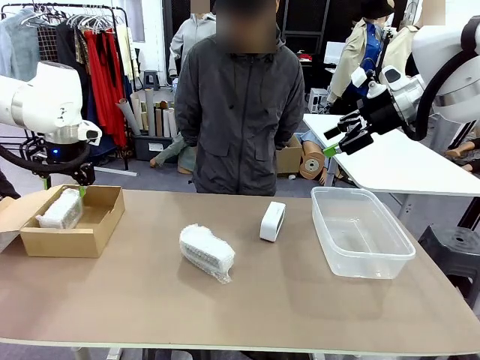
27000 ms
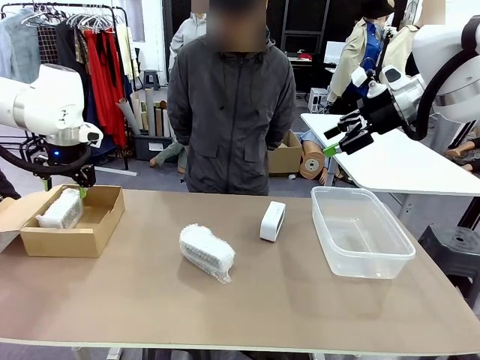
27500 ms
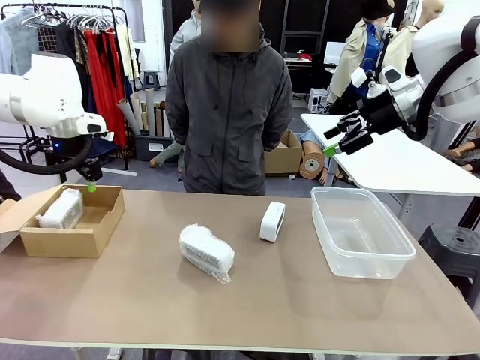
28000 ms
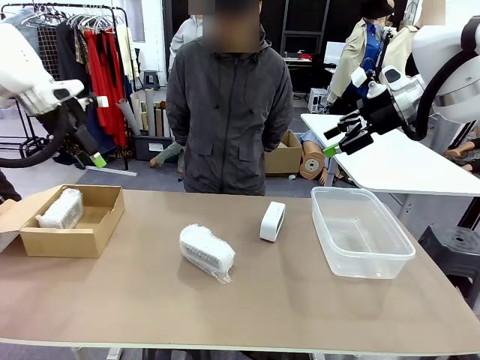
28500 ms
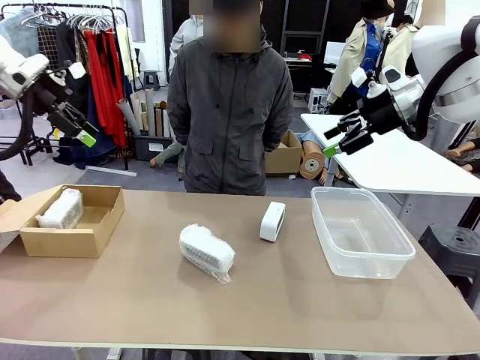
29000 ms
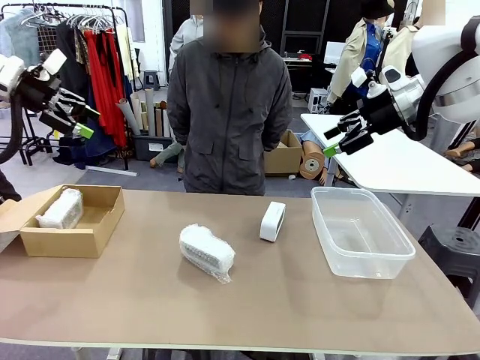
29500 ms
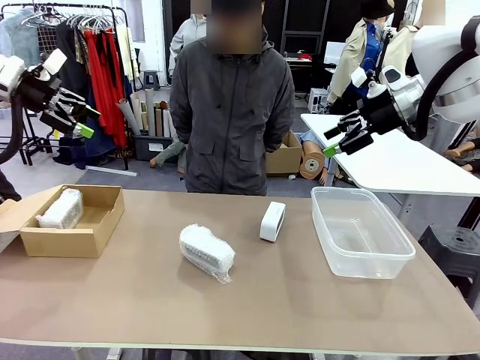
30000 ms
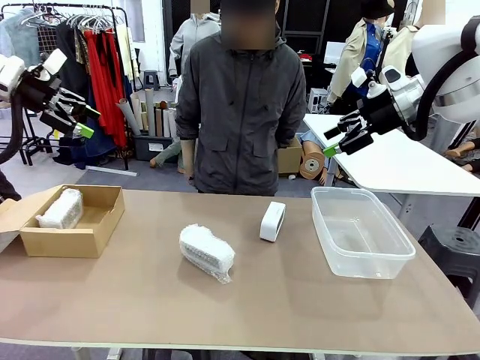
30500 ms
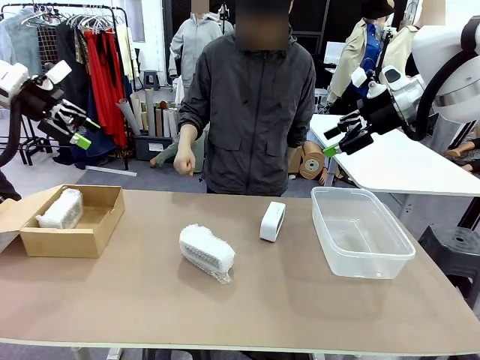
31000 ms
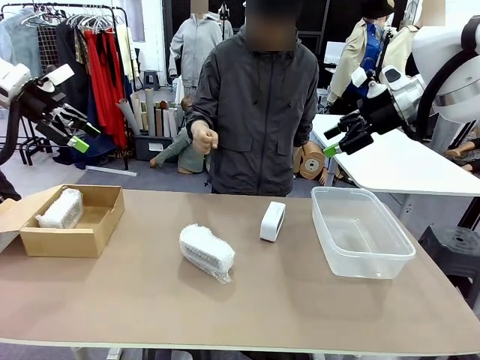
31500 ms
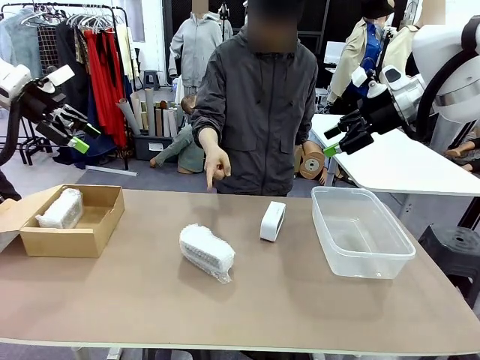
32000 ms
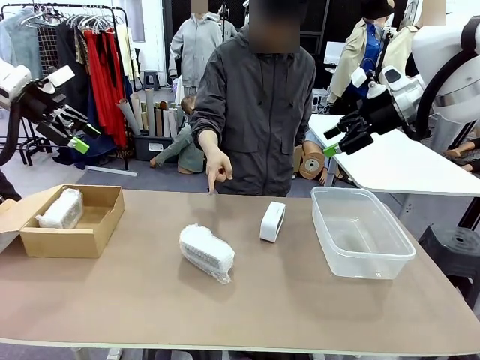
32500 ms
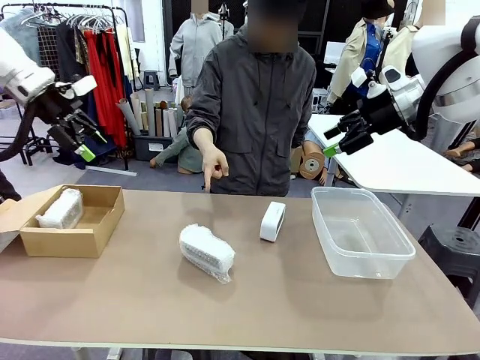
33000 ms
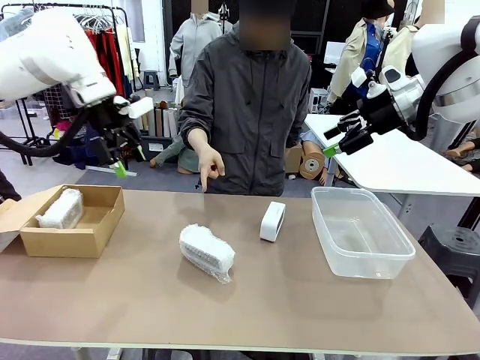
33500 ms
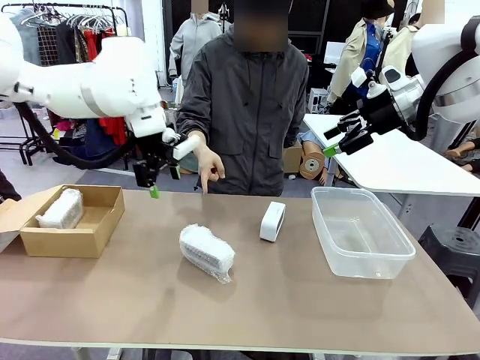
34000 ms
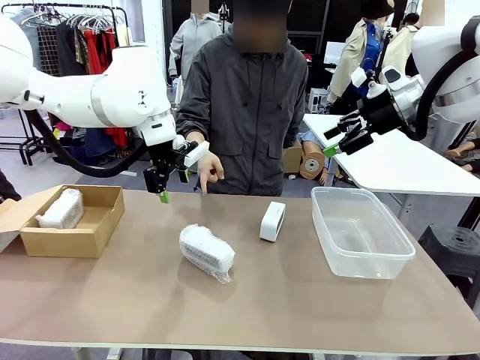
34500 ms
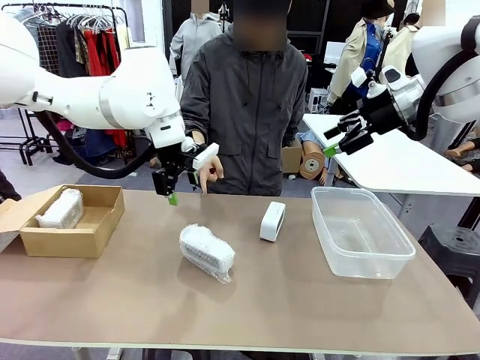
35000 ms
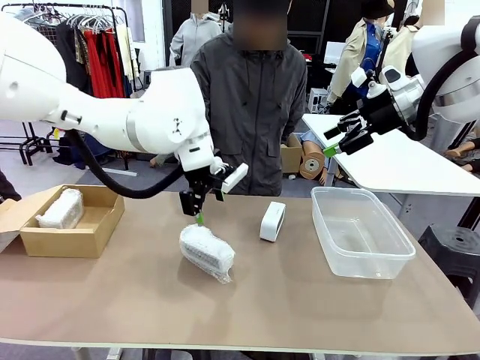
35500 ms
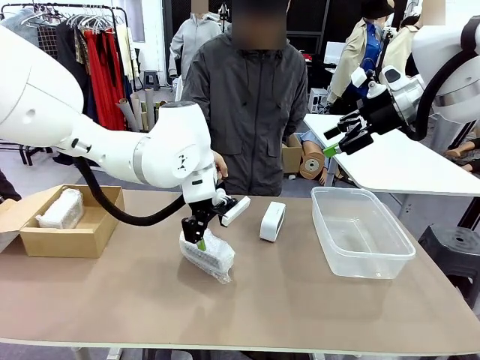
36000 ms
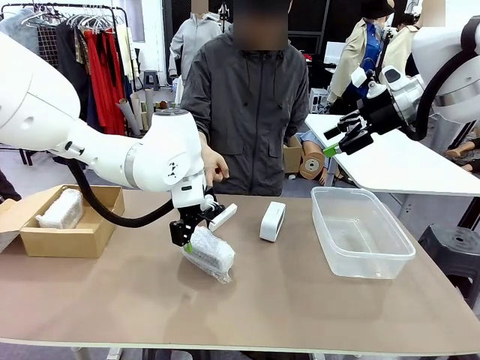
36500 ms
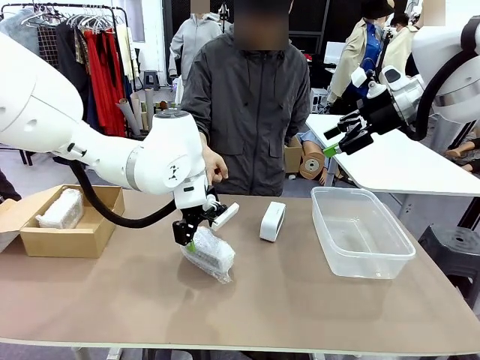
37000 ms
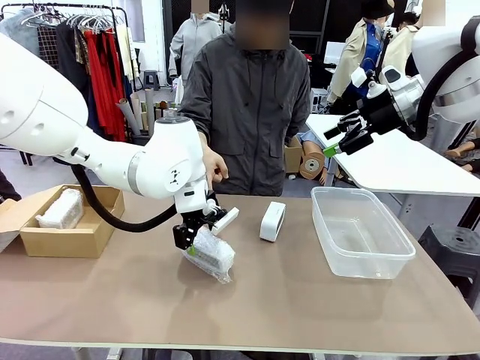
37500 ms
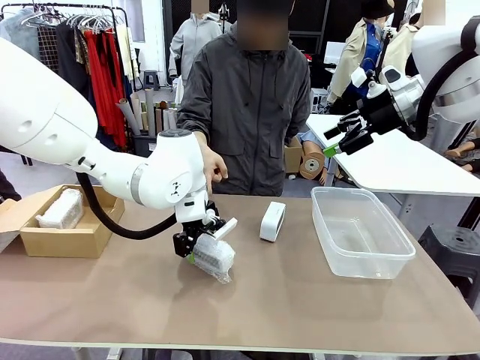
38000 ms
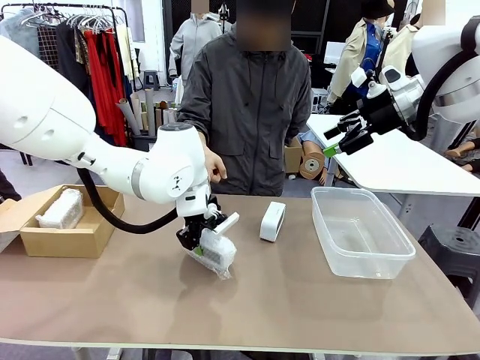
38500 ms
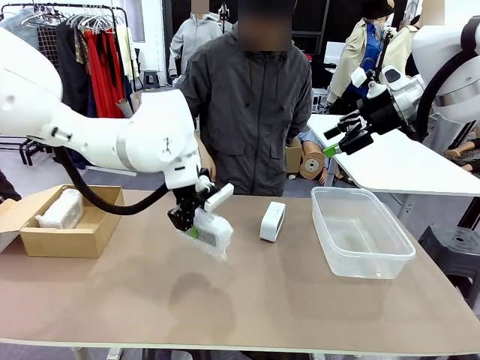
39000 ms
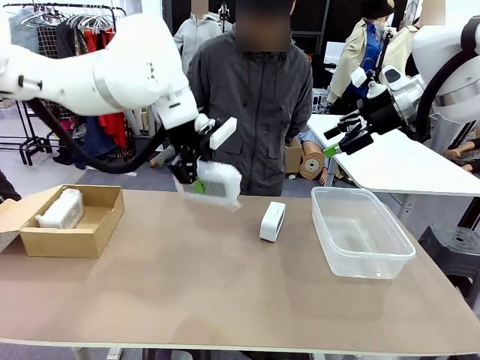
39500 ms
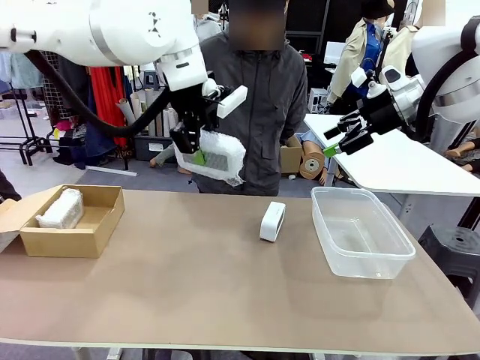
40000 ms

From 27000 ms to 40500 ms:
Task: Separate and place wrapped and unwrapped clocks.
Robot: Pick up the Digital clock indicated by the person.

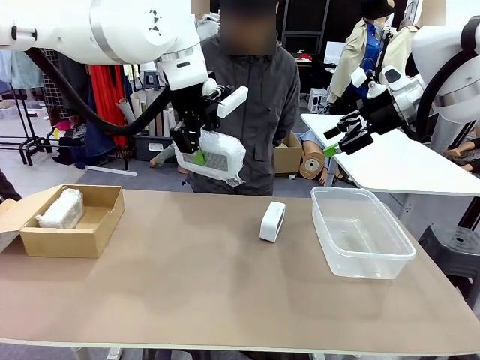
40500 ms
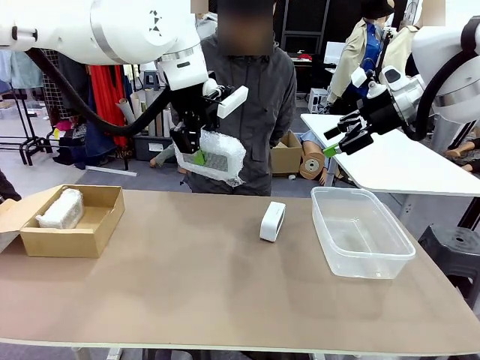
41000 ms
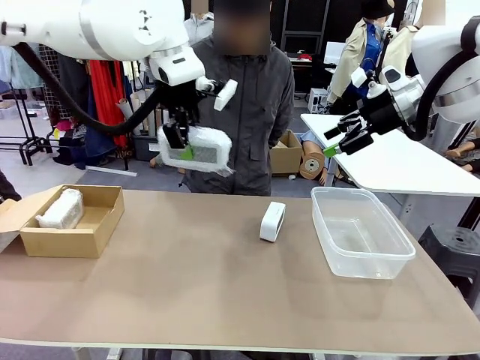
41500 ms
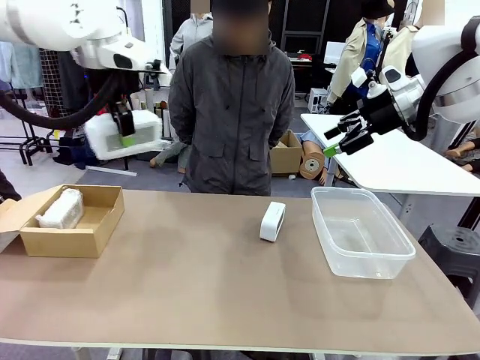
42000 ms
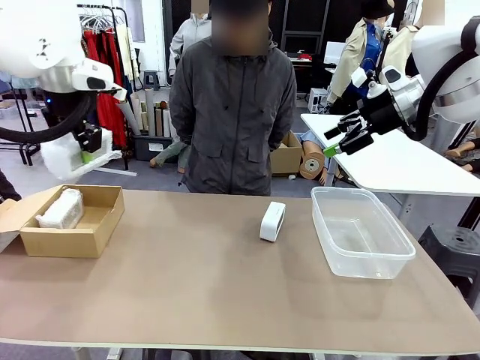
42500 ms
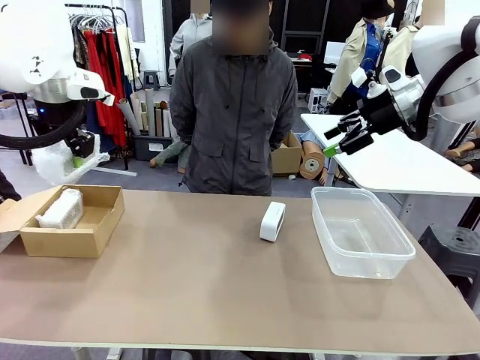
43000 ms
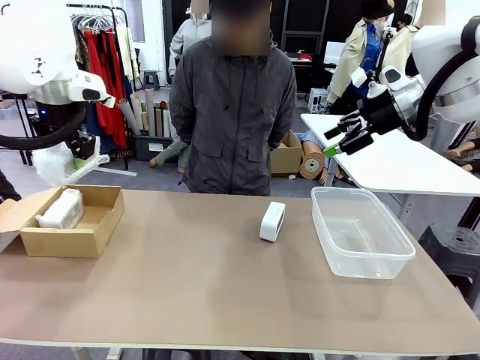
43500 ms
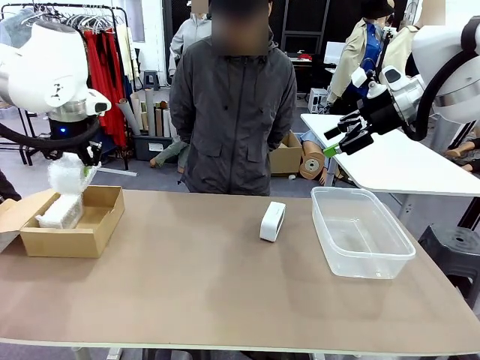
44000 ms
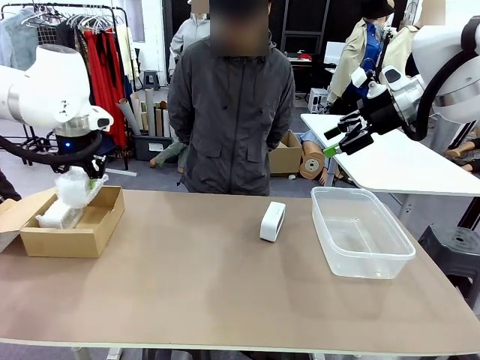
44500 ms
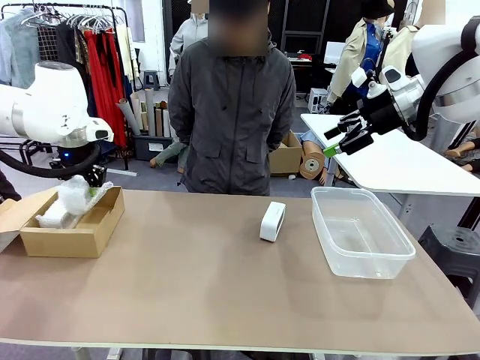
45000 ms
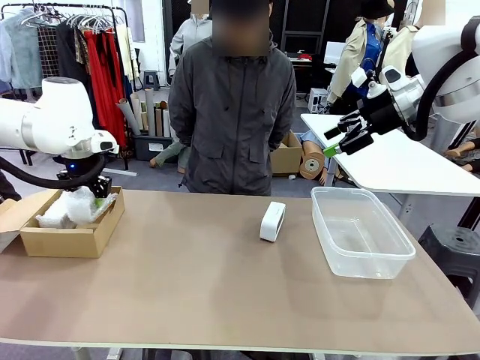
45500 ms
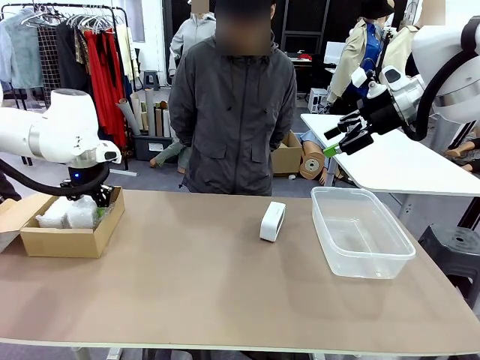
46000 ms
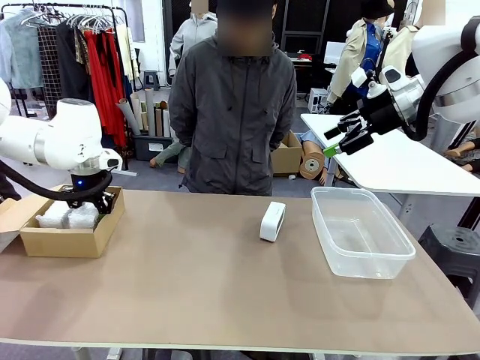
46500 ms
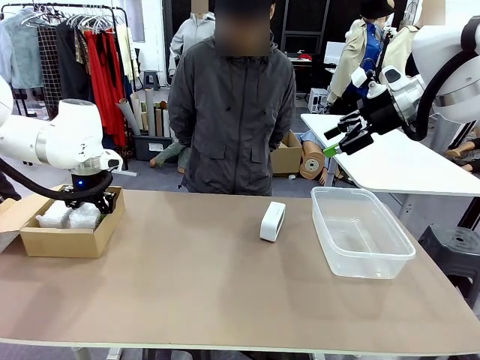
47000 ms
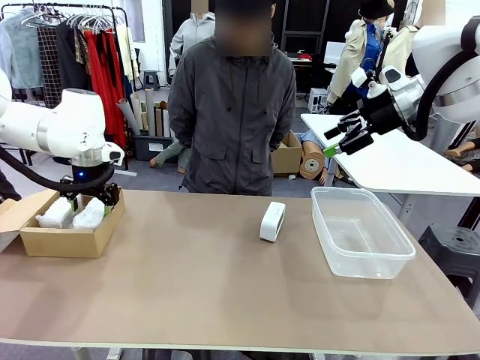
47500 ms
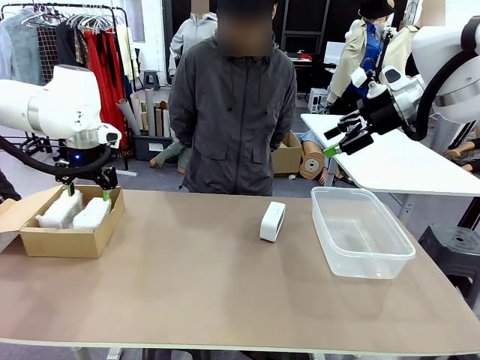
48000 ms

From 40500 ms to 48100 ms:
Robot: If the picked Digital clock is wrapped, place it in the Package Box ; if not, place it in the Organizing box.
